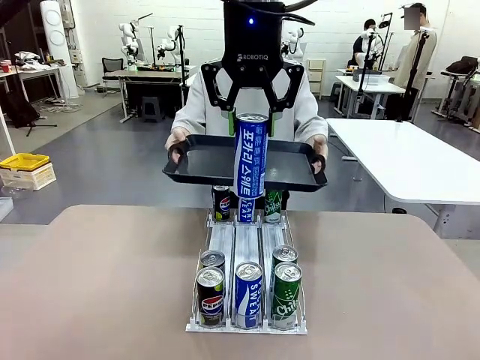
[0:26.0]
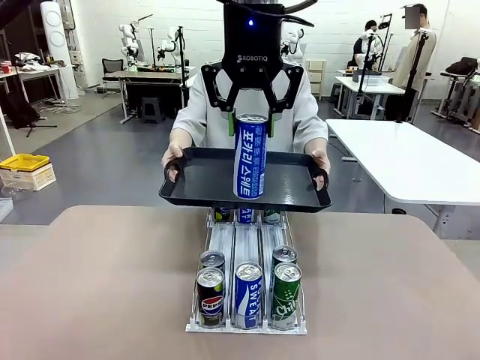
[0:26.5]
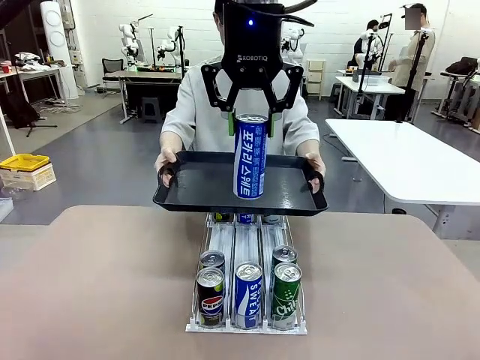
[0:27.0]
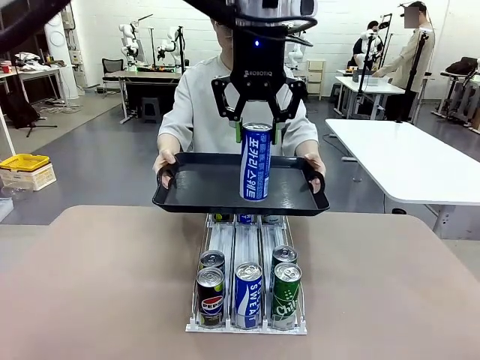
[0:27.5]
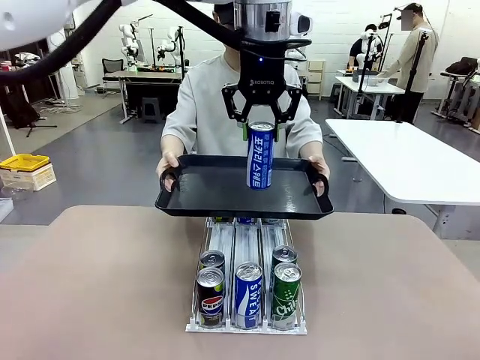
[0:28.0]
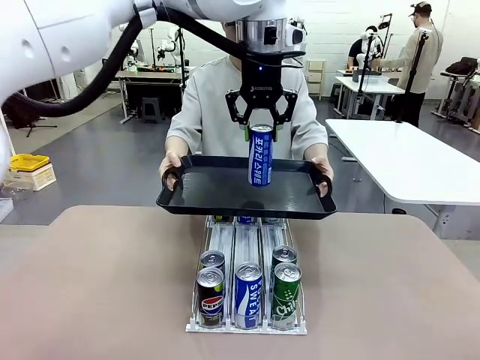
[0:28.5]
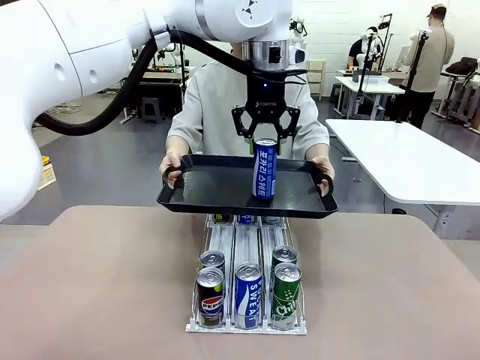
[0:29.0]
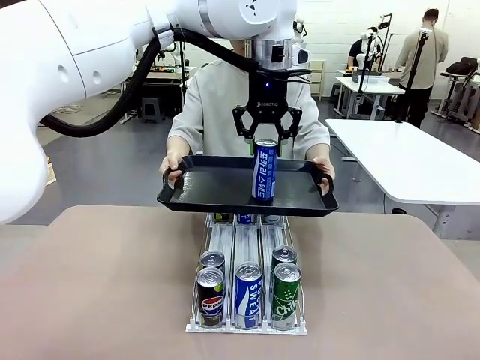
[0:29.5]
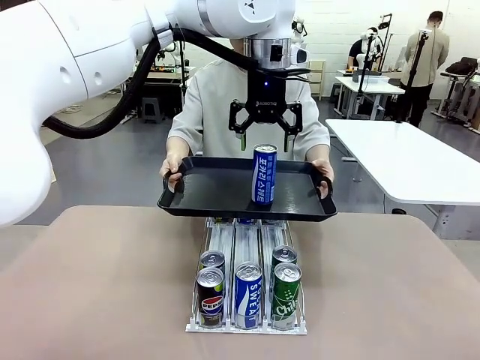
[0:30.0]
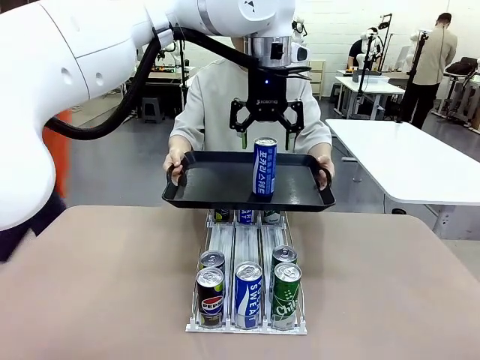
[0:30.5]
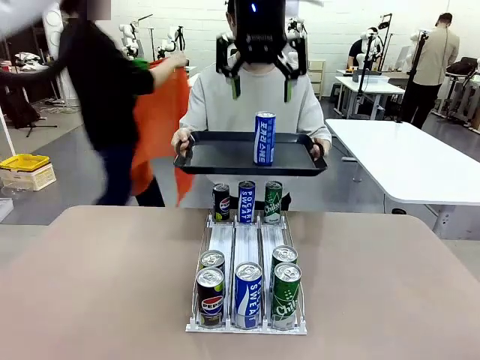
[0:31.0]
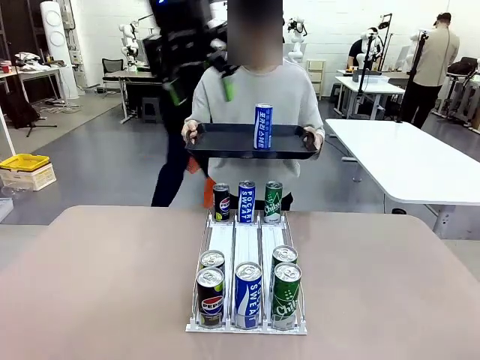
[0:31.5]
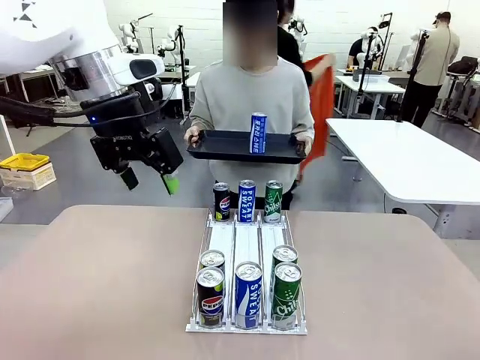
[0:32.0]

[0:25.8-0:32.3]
Task: Retrieve and hand over the desired beverage to the person.
Robot: Place the picked can on the Handle tray extended by the person.

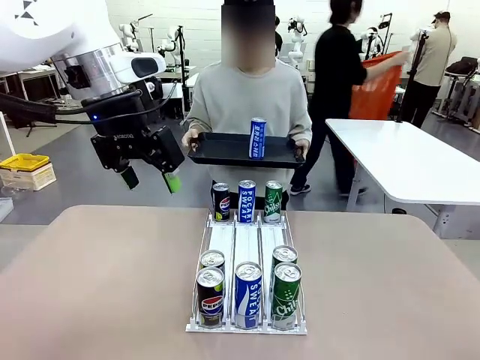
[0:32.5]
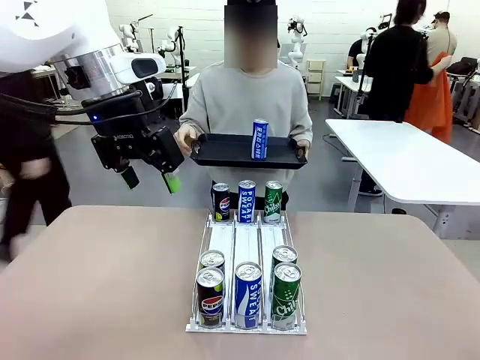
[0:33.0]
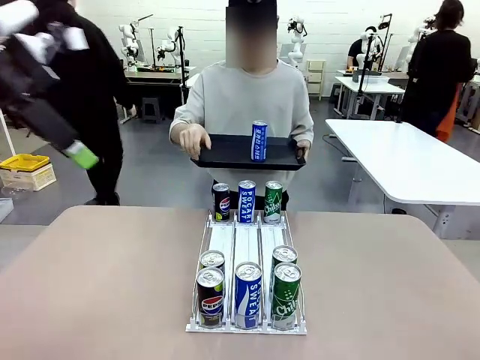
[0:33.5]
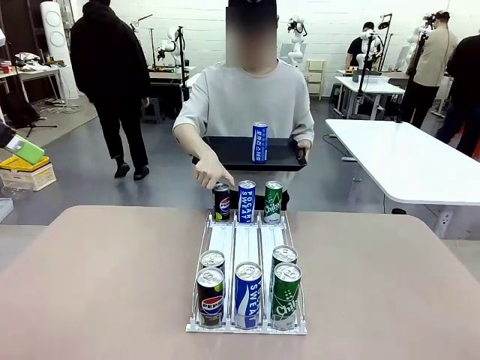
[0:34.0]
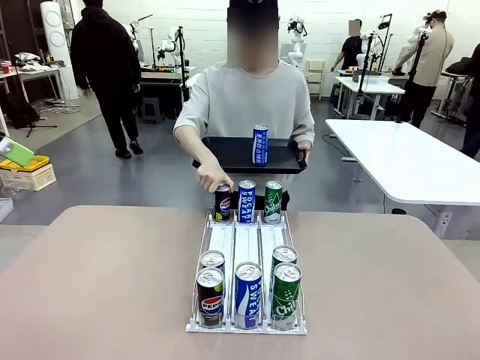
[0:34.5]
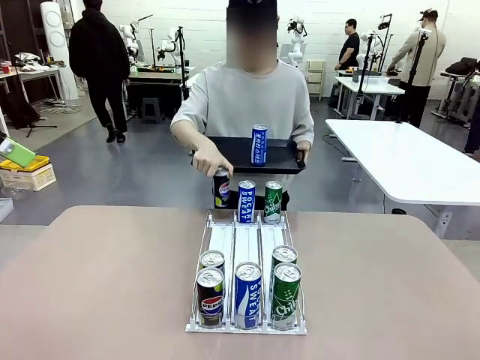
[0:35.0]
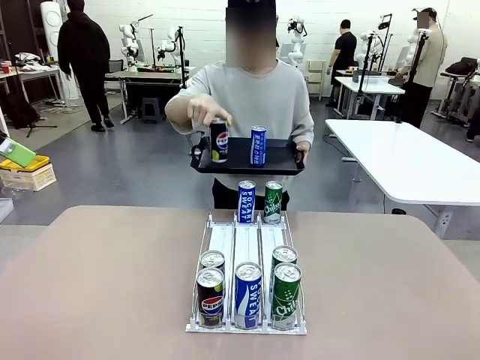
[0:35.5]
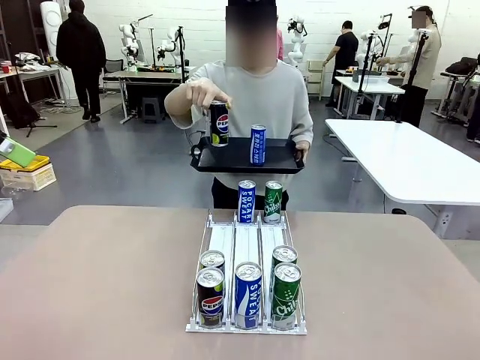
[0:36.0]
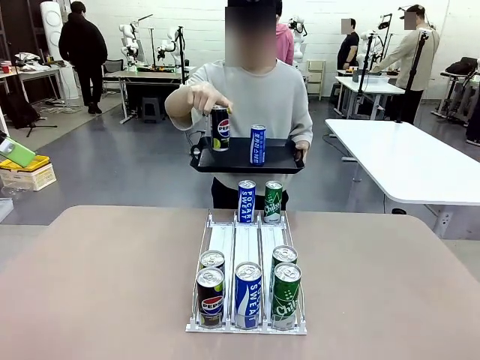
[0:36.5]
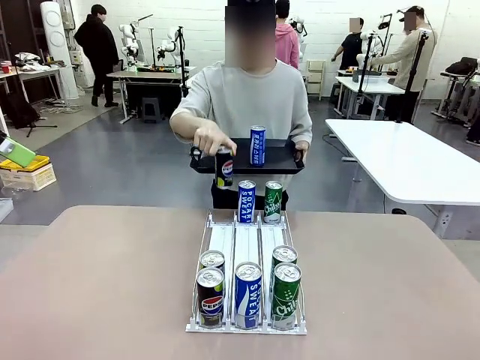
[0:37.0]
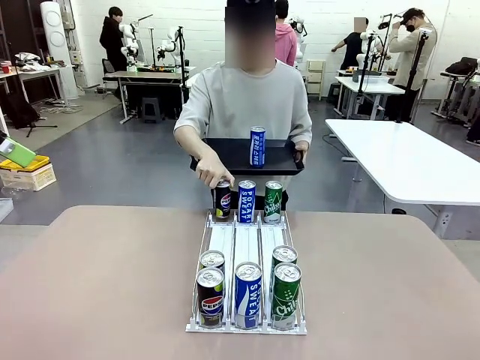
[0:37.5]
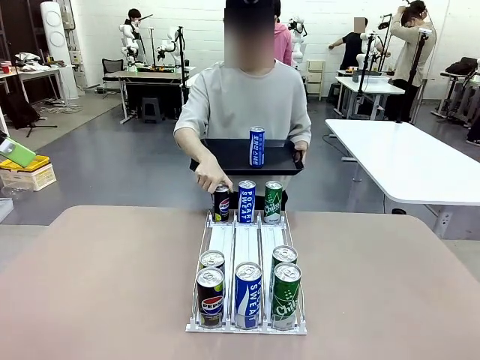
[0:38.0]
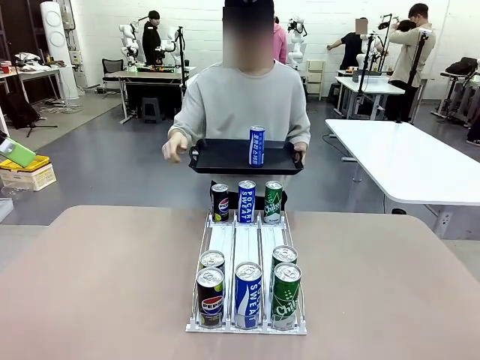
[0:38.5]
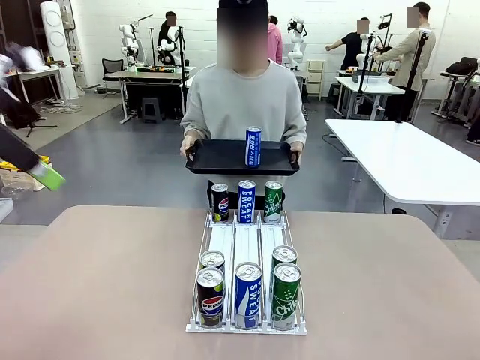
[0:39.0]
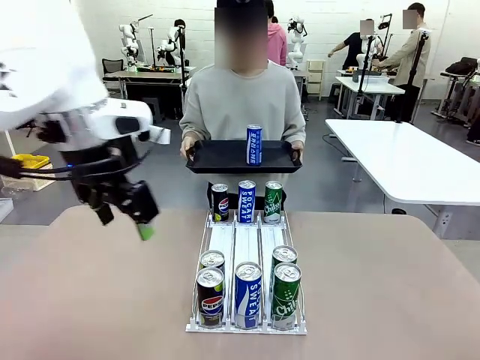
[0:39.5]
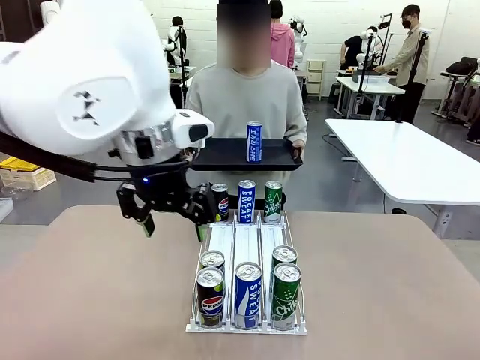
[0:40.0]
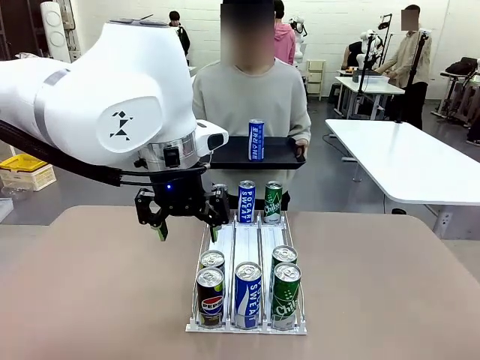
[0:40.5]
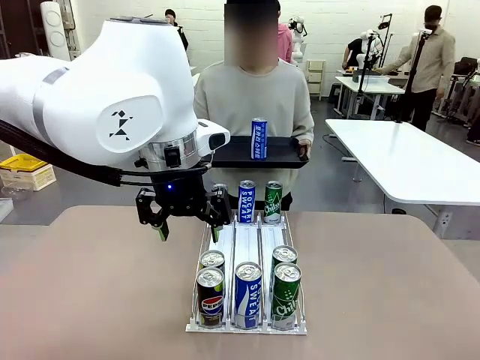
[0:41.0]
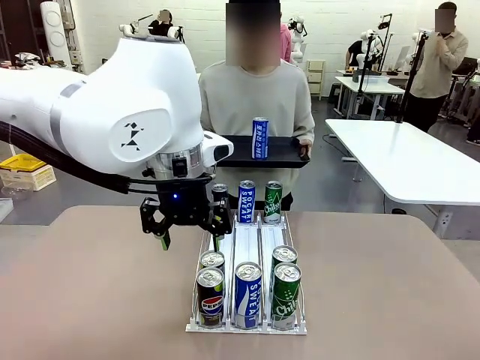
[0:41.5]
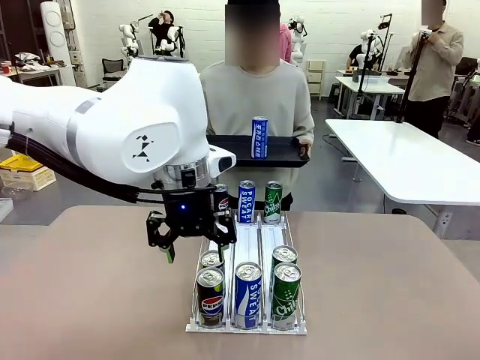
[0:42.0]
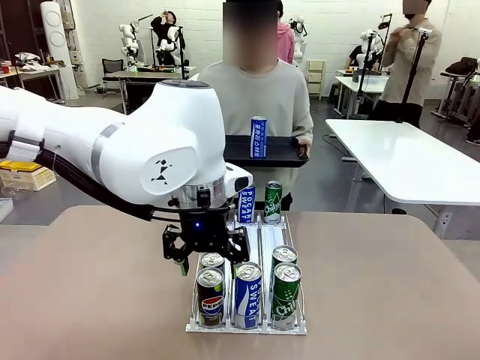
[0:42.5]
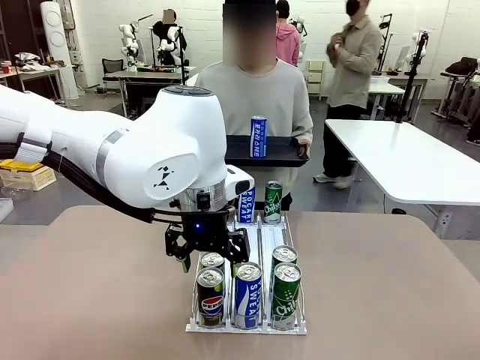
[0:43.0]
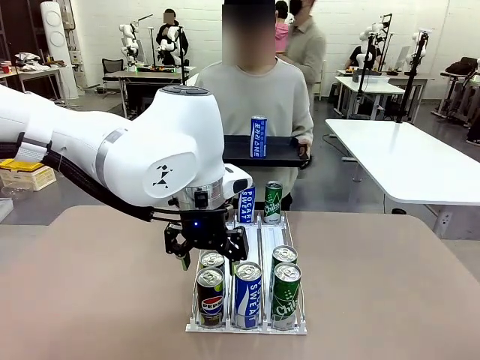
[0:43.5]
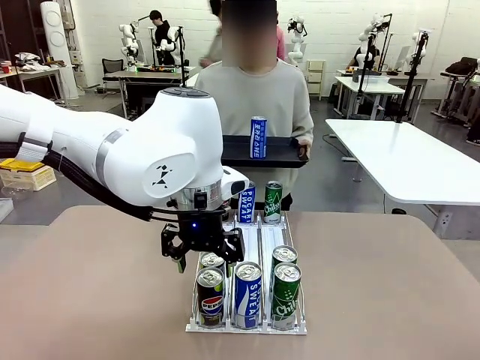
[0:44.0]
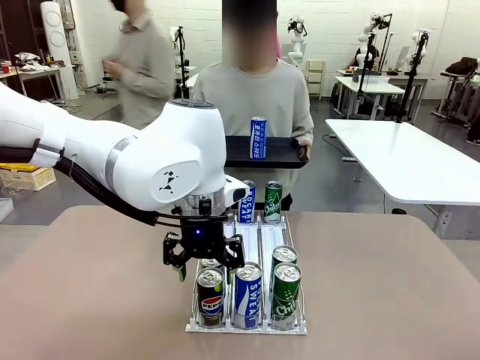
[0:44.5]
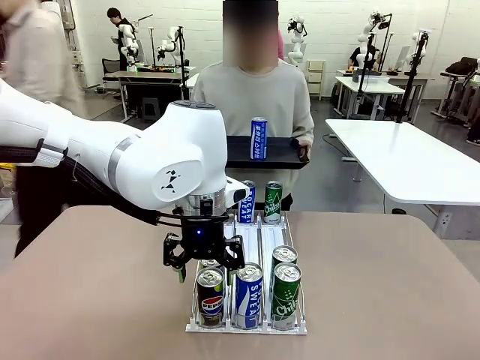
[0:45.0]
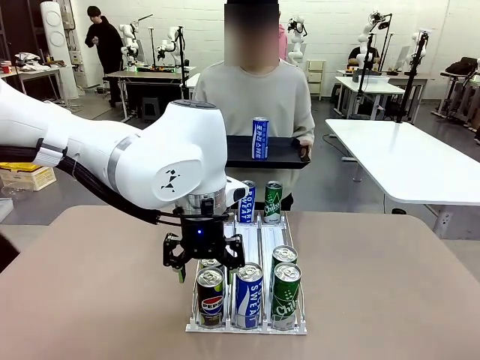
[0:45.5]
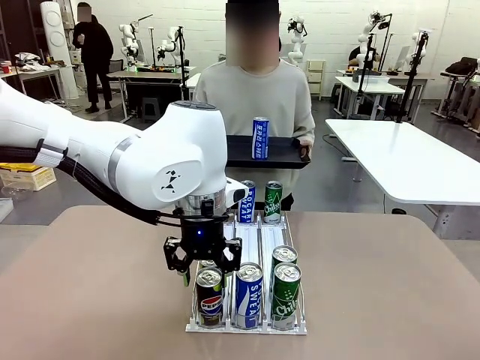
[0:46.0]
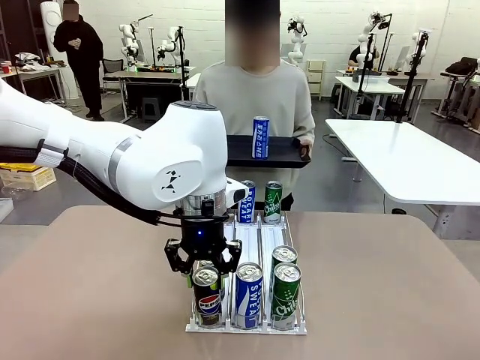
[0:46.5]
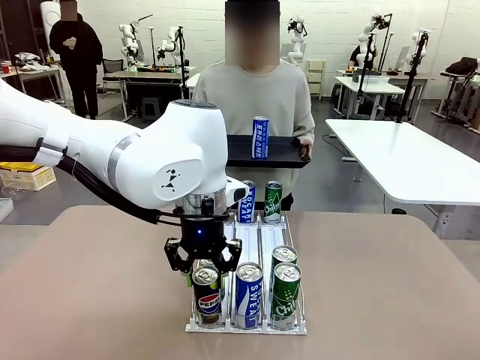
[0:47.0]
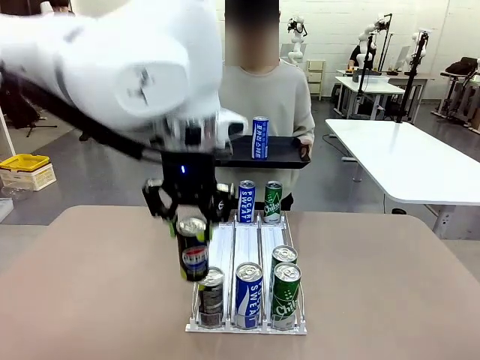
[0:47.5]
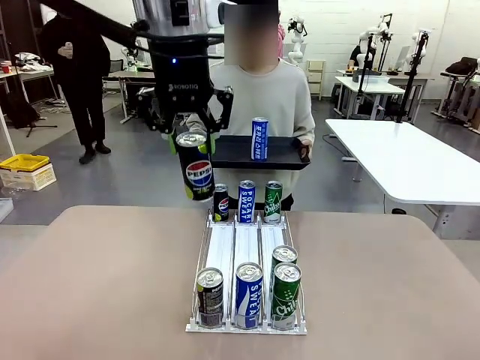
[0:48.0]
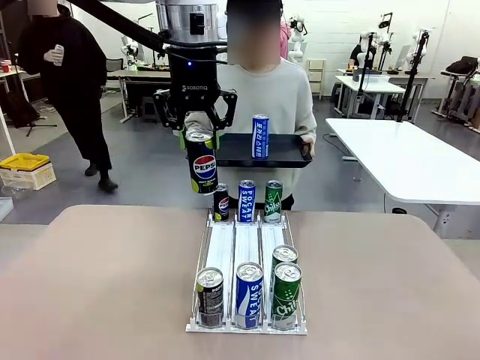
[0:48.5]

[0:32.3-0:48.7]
Robot: Pick up another can of the same type that the person held from the Automatic Can Dispenser.
Person: Pull the tray back, then pick up another can from the bottom area of the table and puts it back in its original place. Push the tray toward the robot again.
